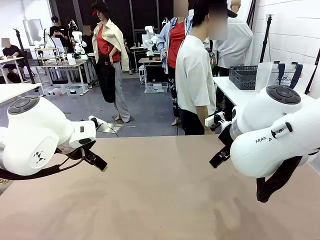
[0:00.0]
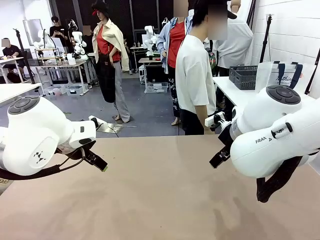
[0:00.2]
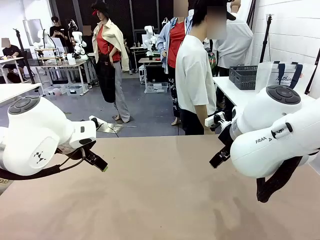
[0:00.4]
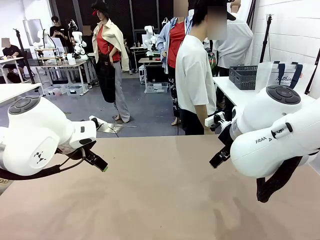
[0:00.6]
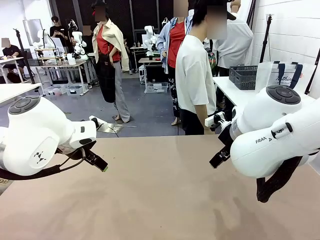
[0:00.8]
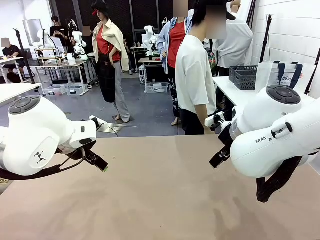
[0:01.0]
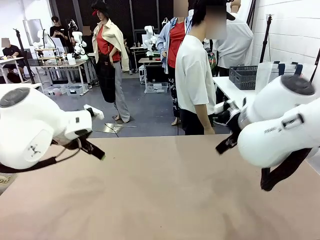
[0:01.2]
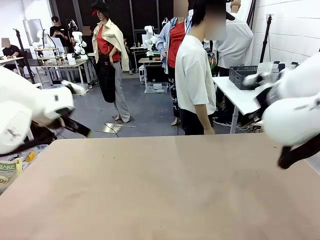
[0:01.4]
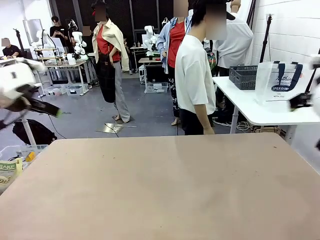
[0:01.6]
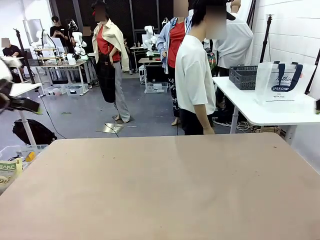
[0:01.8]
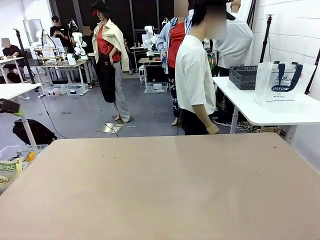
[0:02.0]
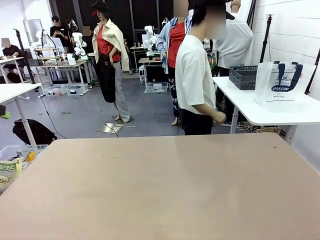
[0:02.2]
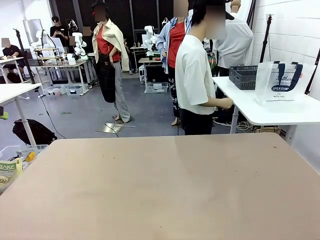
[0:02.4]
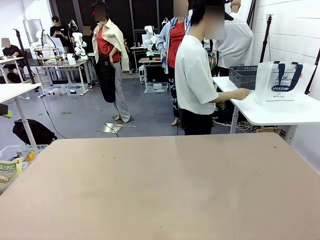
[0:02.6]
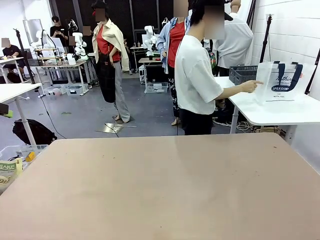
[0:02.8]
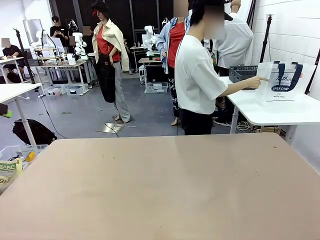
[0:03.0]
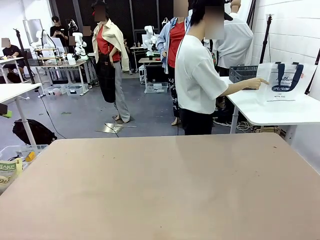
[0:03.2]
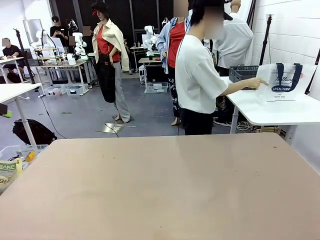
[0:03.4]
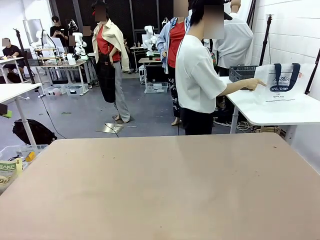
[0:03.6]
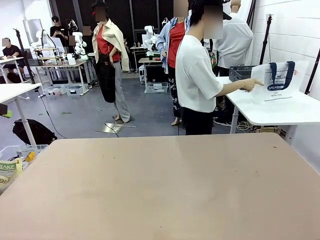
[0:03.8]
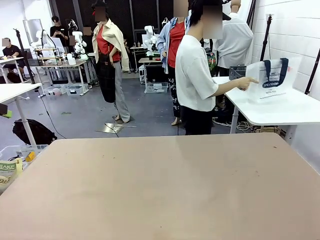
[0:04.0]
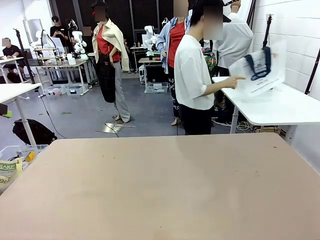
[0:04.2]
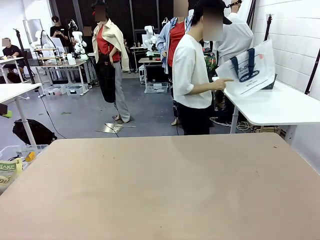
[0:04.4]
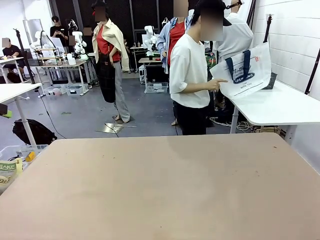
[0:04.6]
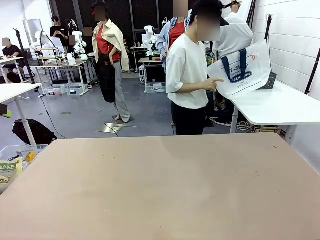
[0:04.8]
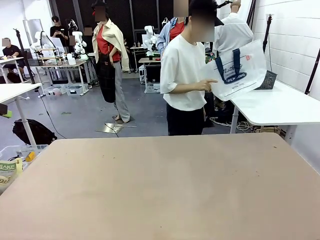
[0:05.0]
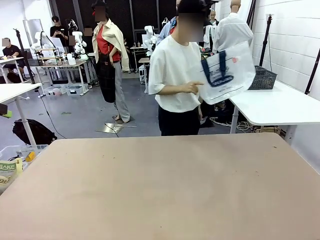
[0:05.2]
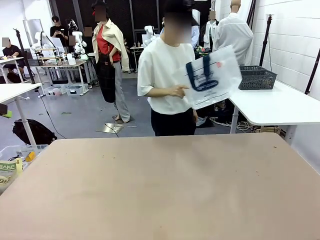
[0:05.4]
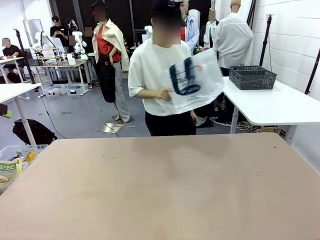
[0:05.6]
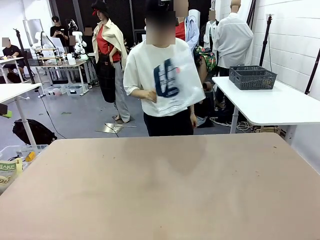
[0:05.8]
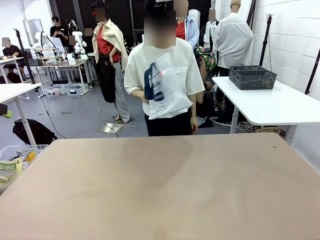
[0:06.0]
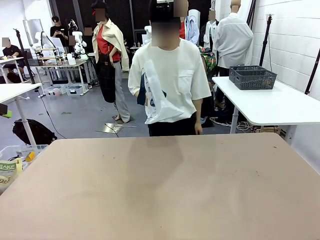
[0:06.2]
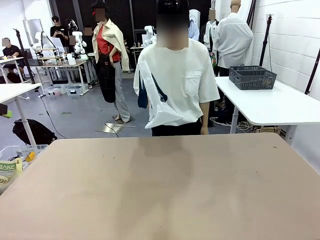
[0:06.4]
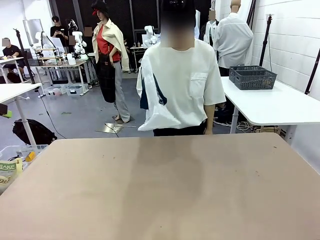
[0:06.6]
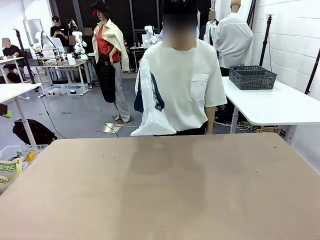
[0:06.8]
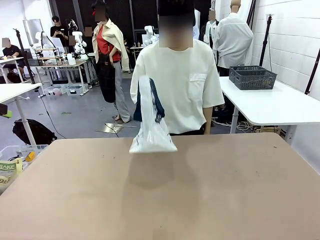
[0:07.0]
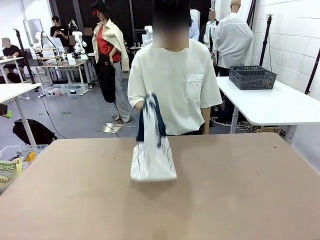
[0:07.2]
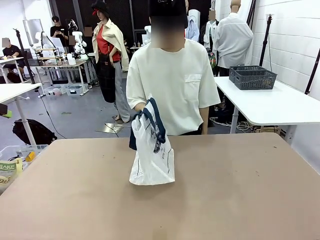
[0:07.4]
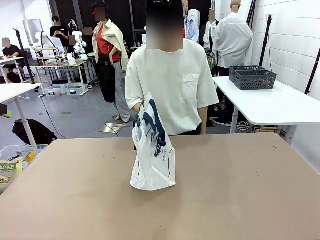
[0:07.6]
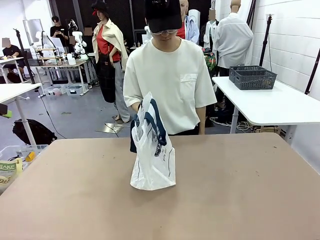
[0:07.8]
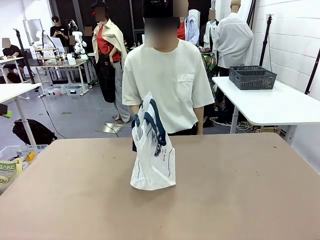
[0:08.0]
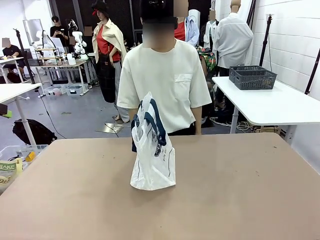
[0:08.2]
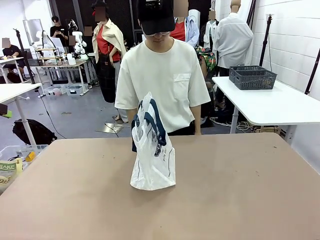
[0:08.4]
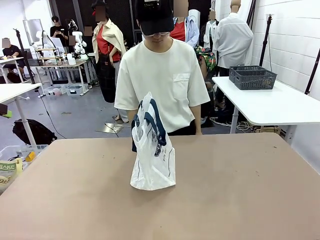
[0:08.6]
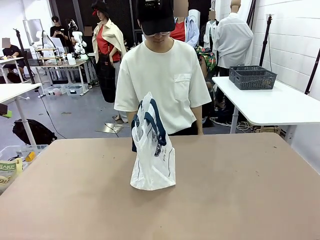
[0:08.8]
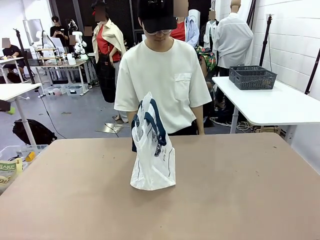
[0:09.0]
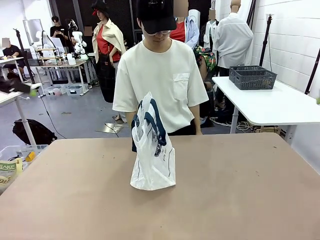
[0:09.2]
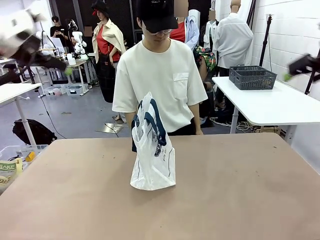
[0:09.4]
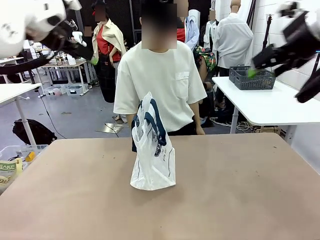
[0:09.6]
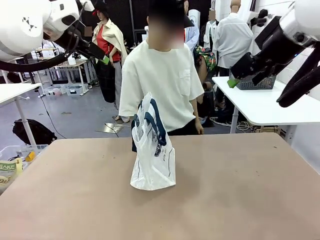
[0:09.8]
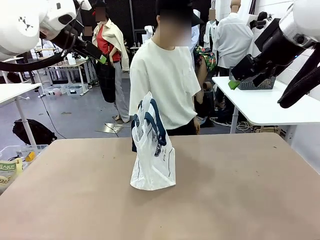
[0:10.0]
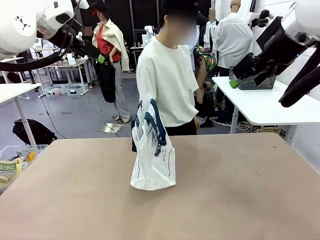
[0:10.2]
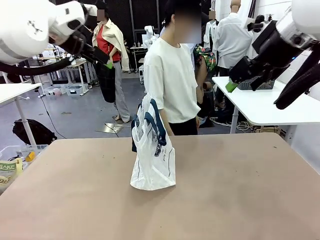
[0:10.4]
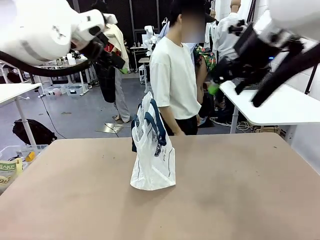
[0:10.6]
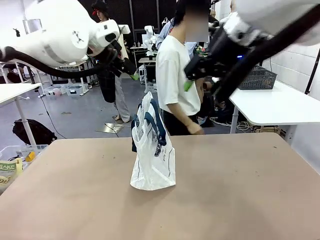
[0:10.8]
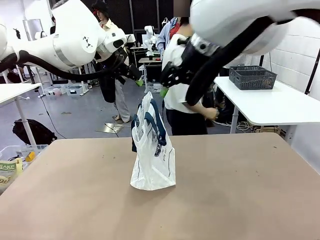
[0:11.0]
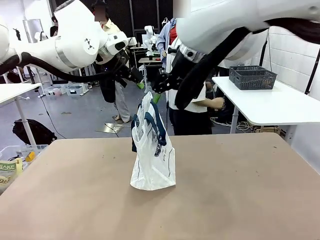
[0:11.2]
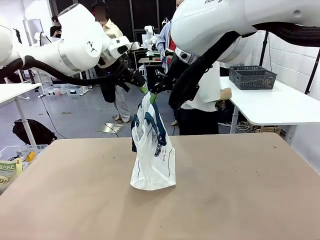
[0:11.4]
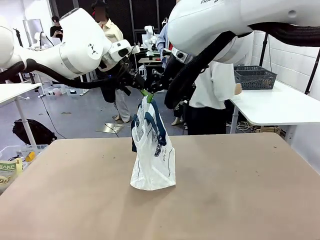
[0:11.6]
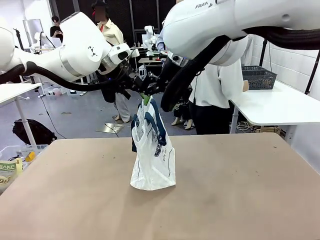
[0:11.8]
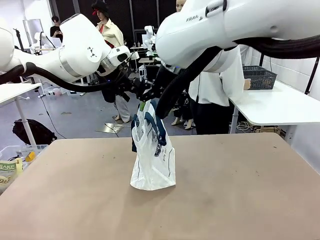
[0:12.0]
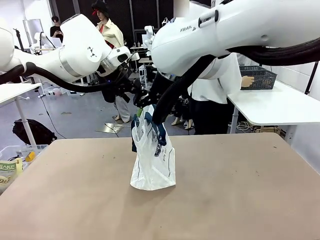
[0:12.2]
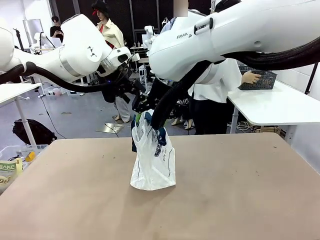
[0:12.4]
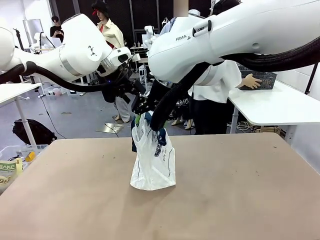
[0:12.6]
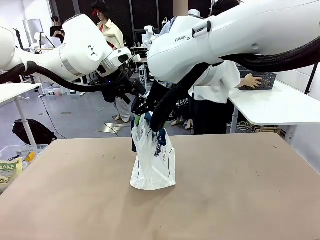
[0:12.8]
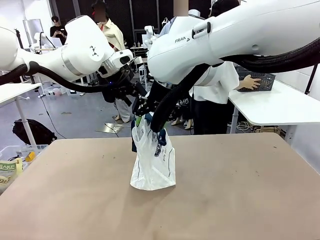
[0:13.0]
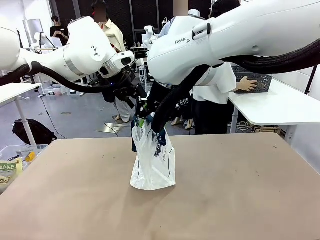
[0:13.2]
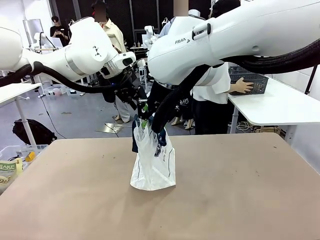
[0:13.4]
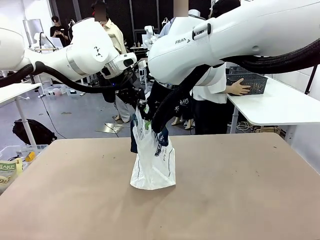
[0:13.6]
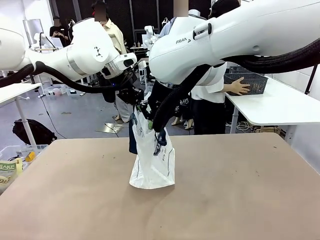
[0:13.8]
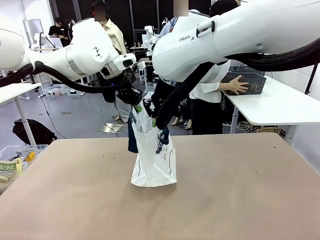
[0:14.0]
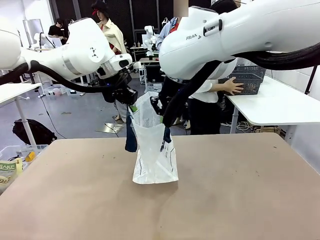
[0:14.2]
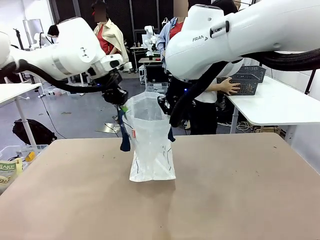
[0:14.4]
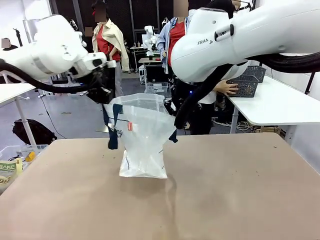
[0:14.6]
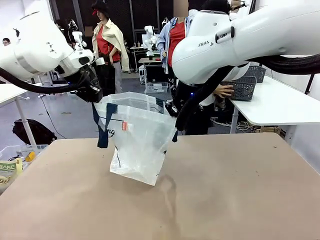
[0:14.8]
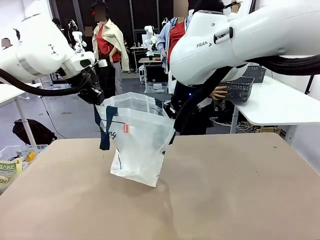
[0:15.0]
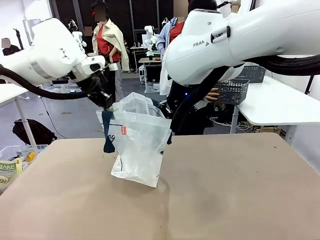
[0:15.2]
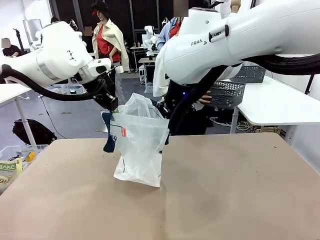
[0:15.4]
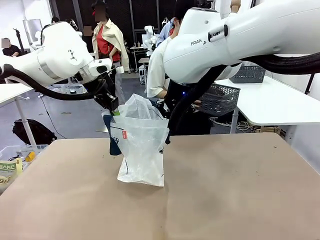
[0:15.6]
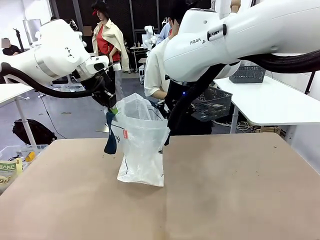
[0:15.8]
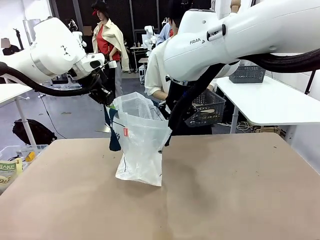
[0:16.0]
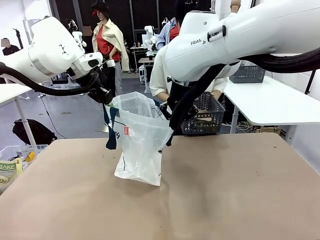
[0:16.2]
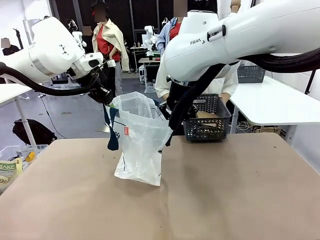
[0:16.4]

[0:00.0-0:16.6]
Task: Transfer purchased items from the store into the shopping bag.
Robot: Open the Reusable shopping bag in the center of the table.
Person: Pick up the shopping bag and place it in the middle of the robot table.
